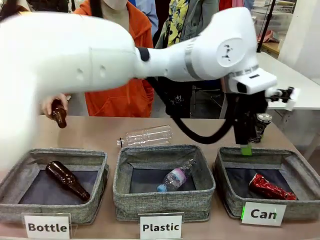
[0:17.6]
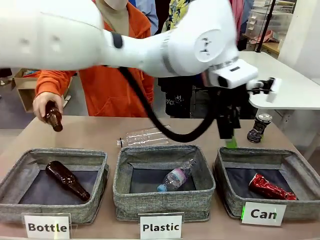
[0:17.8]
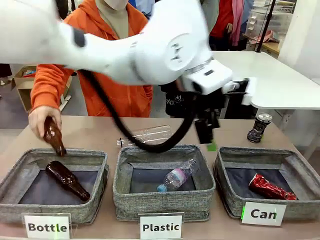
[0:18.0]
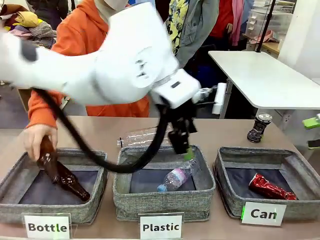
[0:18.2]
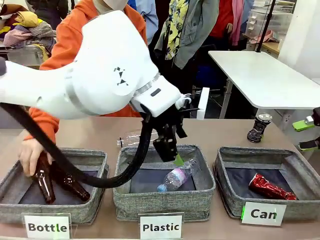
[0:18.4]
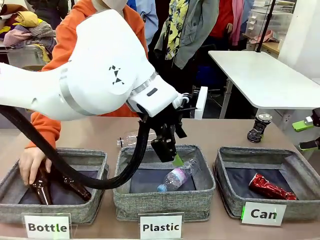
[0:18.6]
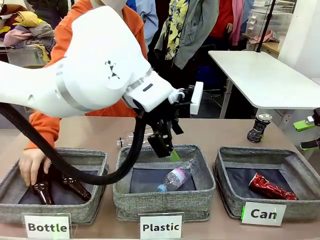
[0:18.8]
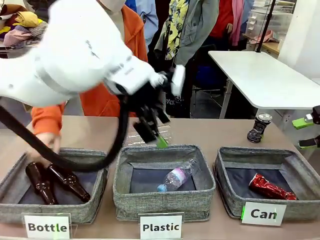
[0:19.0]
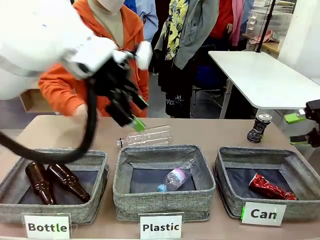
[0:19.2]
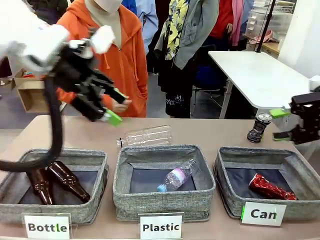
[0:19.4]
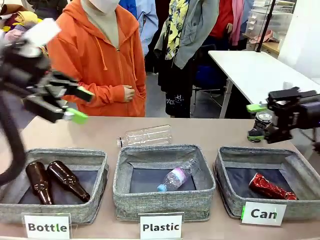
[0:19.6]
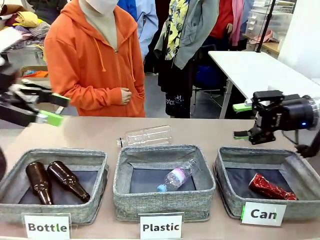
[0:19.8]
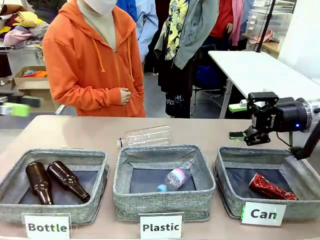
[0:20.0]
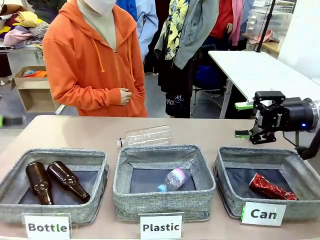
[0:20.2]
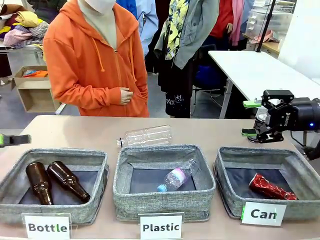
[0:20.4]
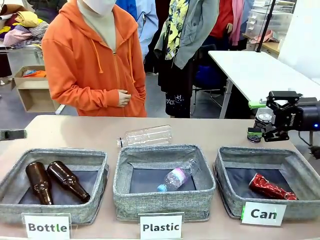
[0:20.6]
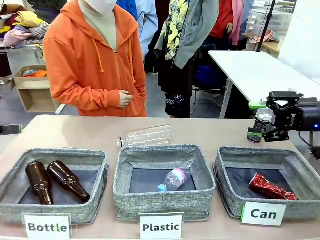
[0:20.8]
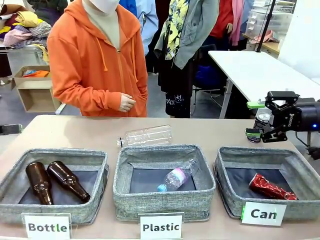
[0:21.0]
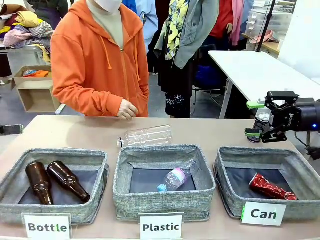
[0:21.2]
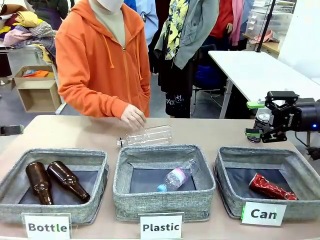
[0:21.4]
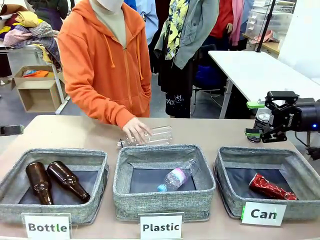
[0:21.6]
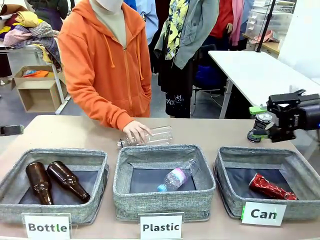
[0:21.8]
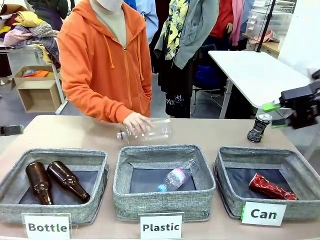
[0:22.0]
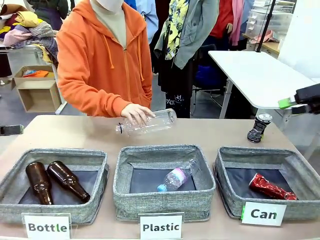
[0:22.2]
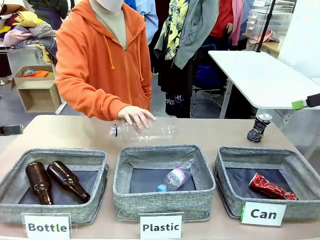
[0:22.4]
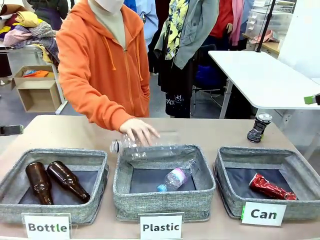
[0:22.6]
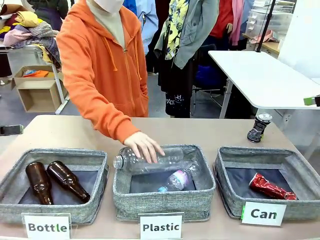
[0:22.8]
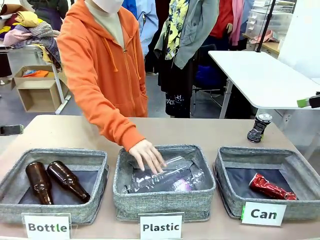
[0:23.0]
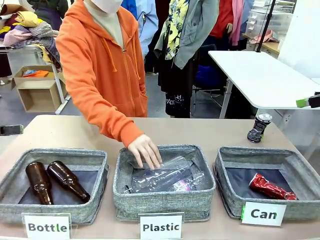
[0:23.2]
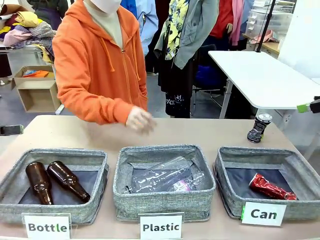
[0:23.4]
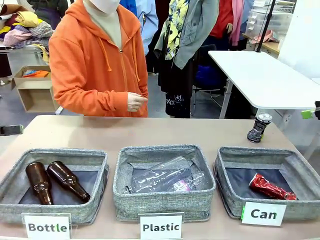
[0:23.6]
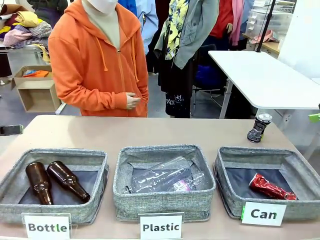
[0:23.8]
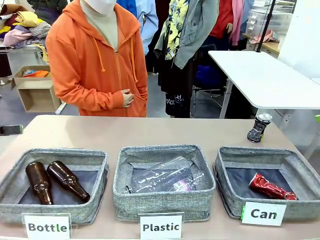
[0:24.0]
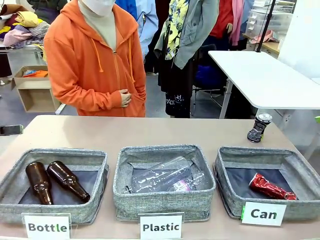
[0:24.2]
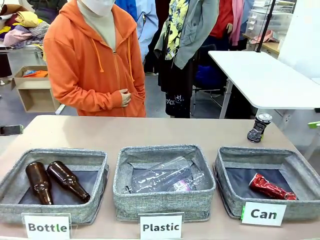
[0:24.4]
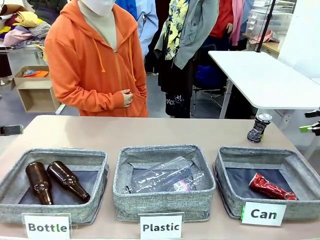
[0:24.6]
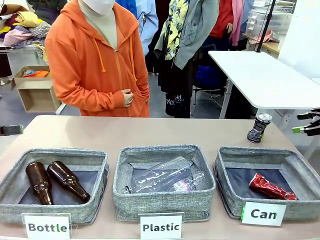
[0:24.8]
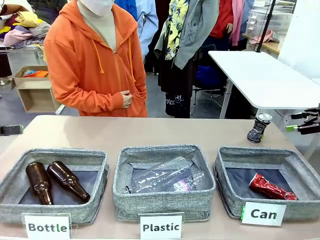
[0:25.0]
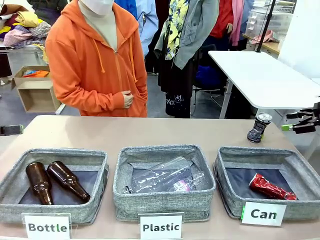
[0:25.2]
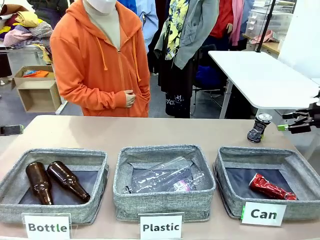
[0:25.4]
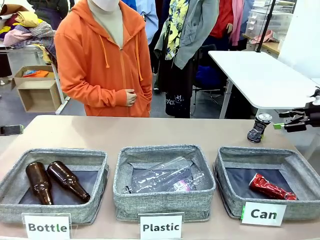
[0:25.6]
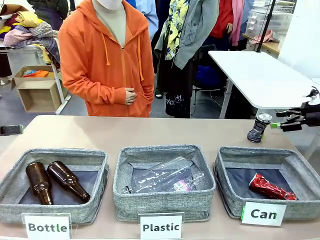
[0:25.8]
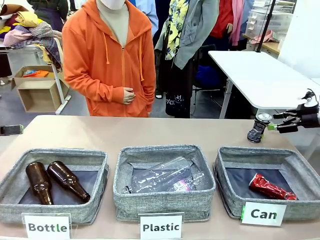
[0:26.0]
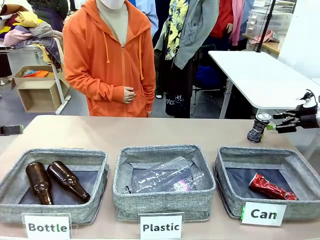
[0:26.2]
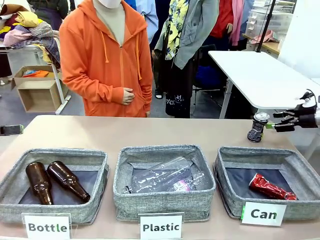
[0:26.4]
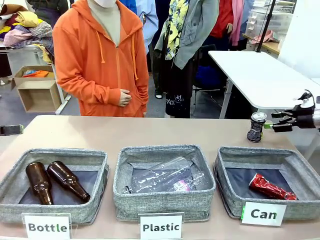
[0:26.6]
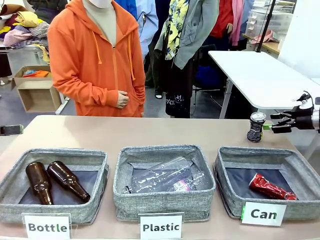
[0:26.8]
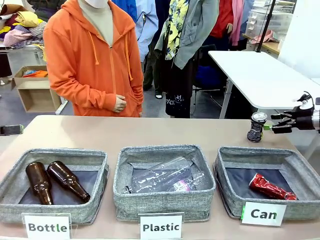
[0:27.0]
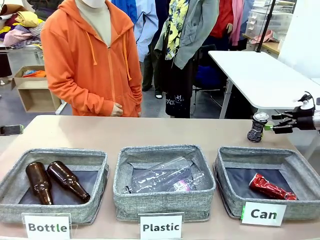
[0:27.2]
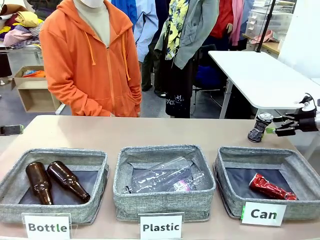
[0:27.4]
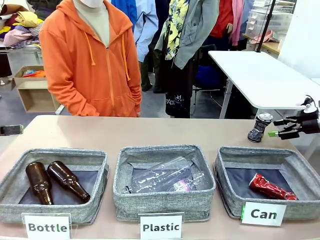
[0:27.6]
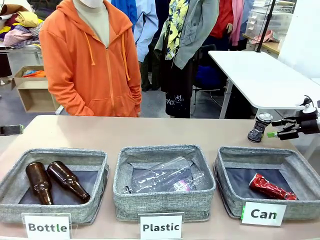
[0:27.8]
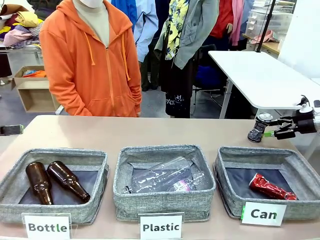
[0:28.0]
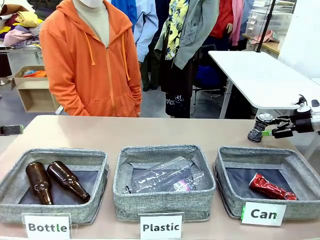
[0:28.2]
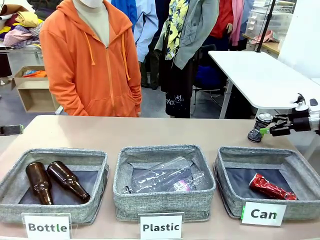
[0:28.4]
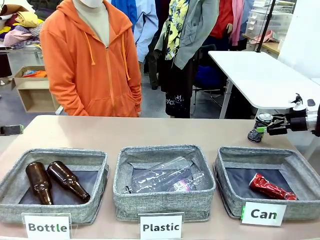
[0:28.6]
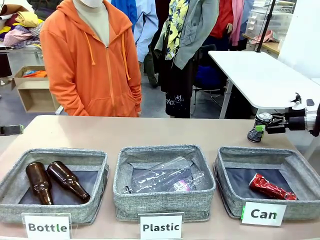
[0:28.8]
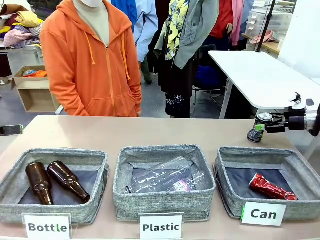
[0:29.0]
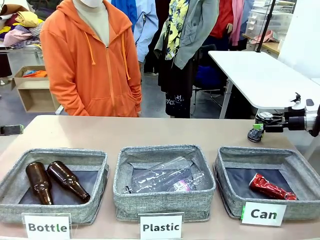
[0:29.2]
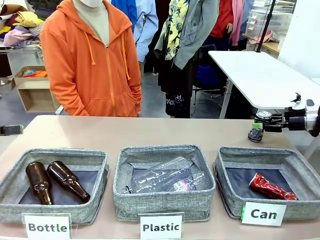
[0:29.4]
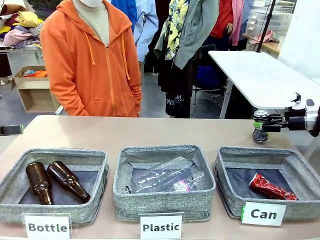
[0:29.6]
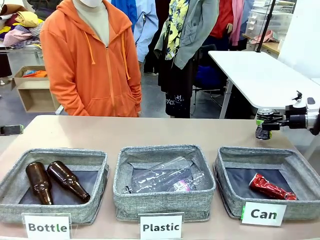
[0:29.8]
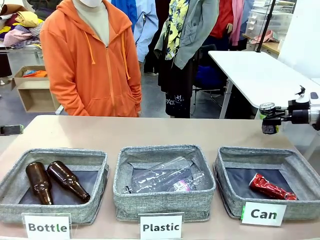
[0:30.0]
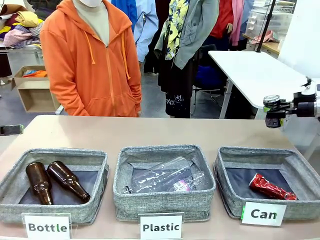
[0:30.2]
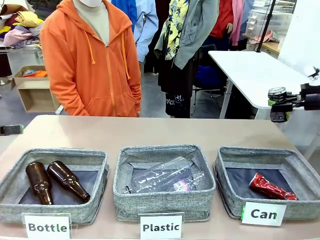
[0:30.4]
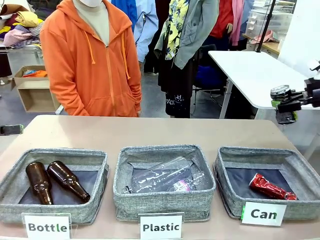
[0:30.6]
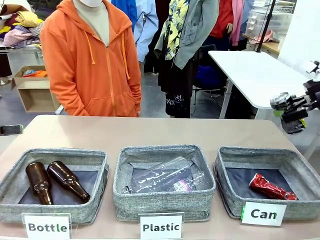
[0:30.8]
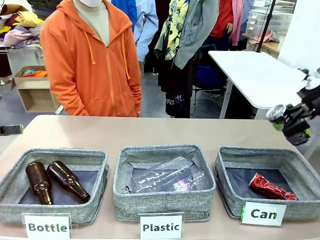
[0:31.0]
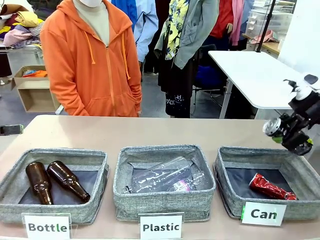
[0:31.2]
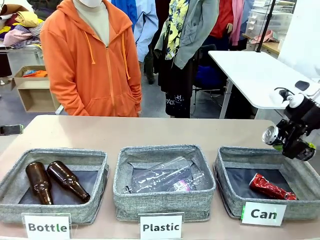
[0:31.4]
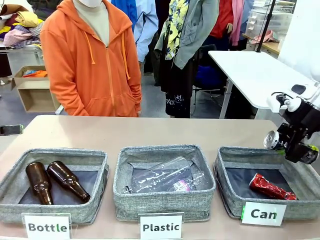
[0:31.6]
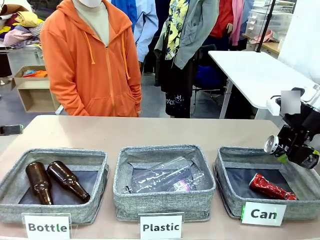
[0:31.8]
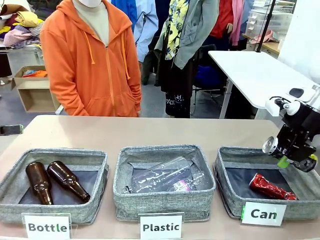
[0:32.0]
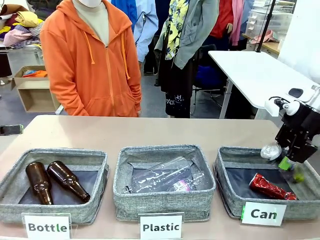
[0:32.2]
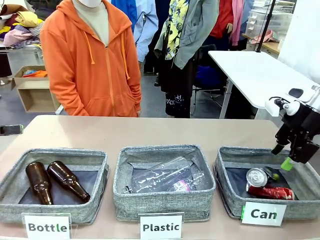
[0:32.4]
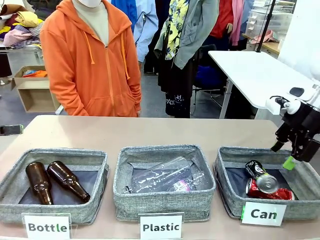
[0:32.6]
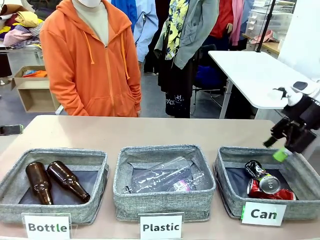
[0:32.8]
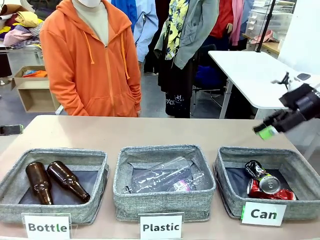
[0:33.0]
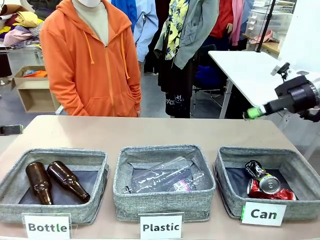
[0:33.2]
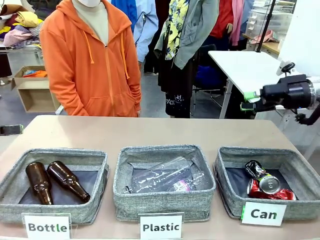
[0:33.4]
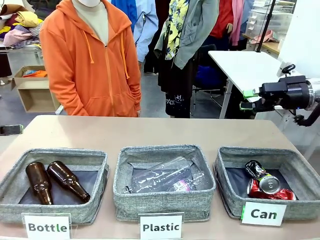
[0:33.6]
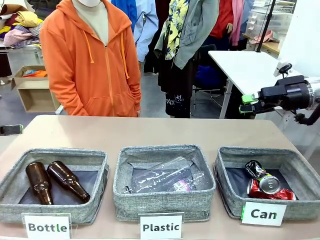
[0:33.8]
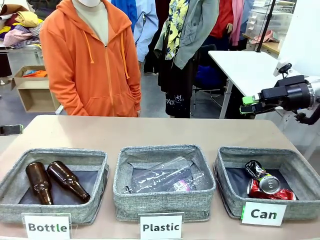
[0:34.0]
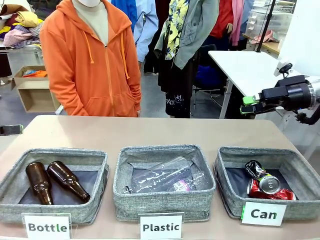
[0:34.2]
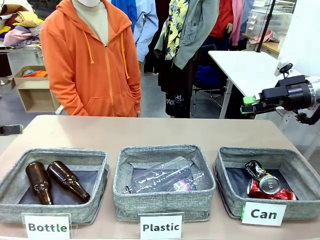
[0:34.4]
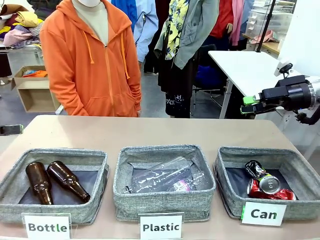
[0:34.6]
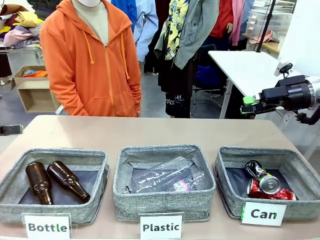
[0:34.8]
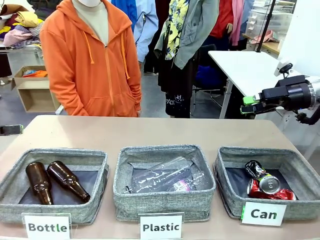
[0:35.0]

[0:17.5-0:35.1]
Task: Sort the can waste into the basket.
Robot: Pick up the can waste from the table and place it in the right Fabric basket.
Person: The human picks up one piece of trash that is not a can and places the trash into the appropriate organizing basket.
